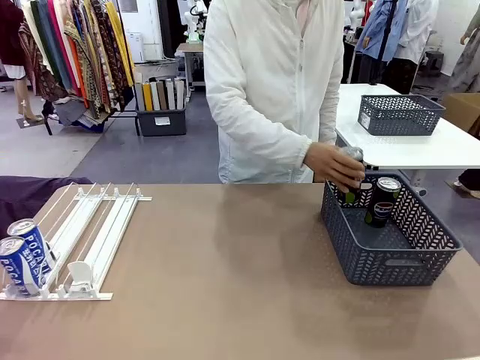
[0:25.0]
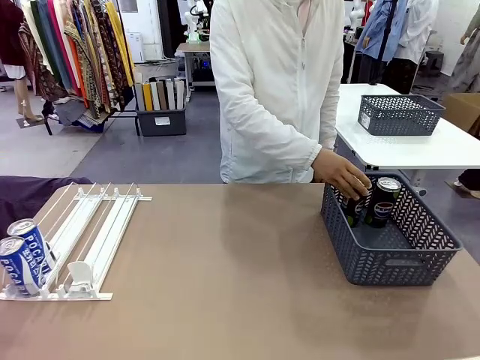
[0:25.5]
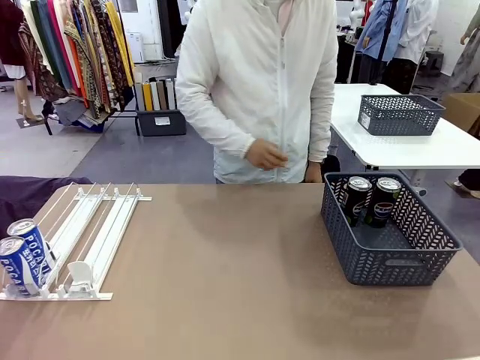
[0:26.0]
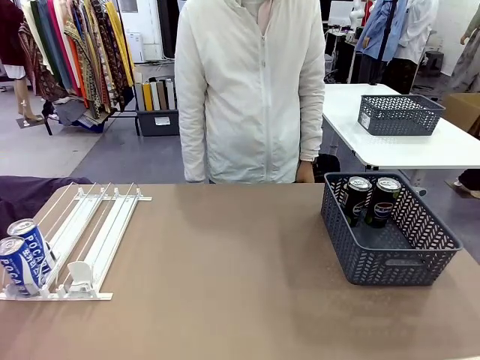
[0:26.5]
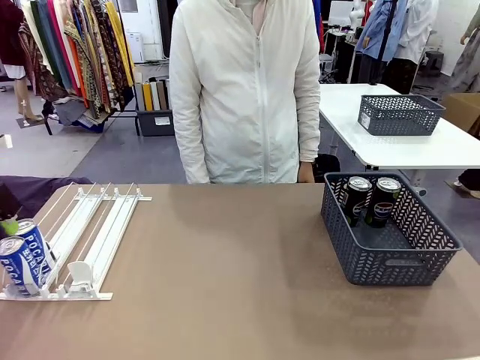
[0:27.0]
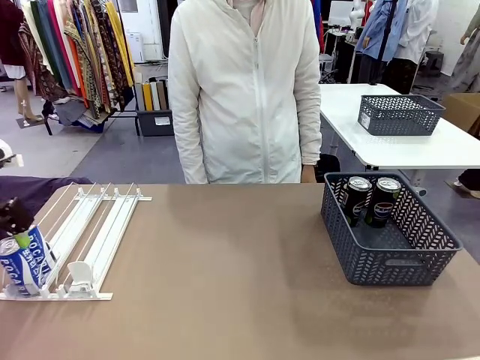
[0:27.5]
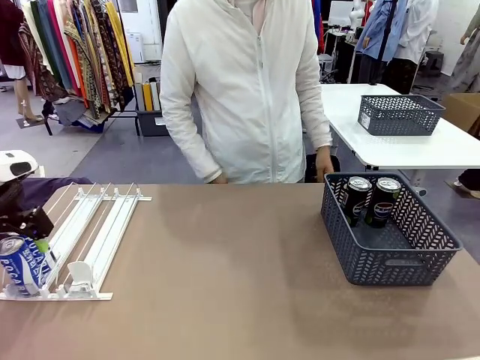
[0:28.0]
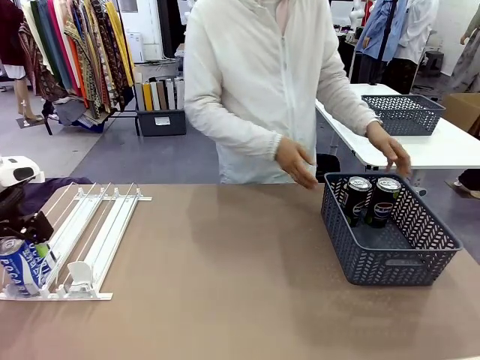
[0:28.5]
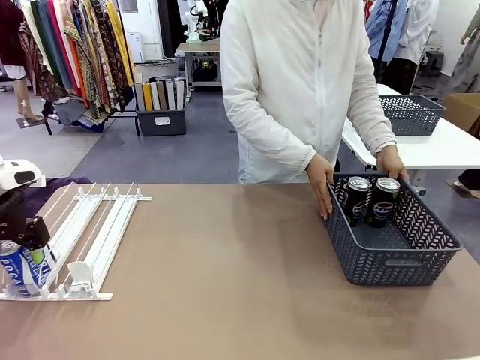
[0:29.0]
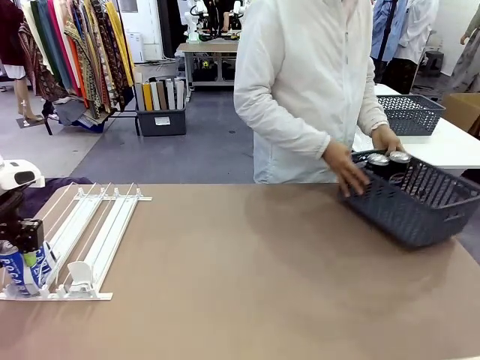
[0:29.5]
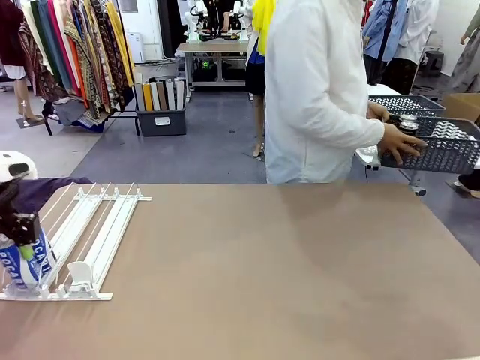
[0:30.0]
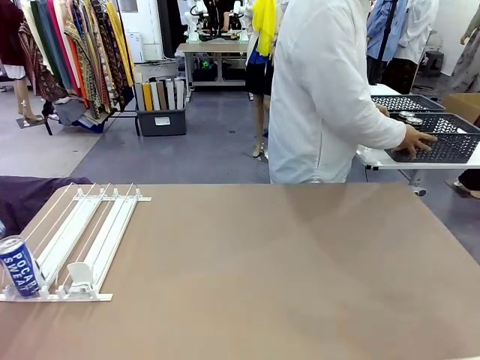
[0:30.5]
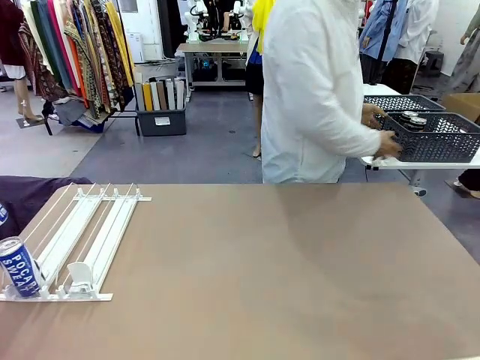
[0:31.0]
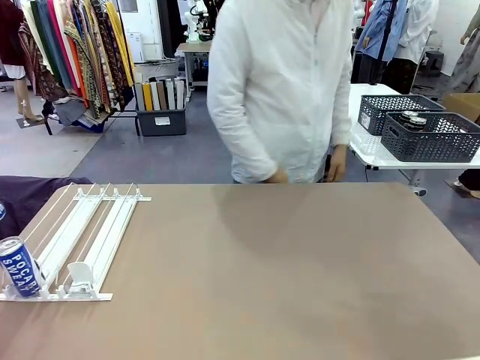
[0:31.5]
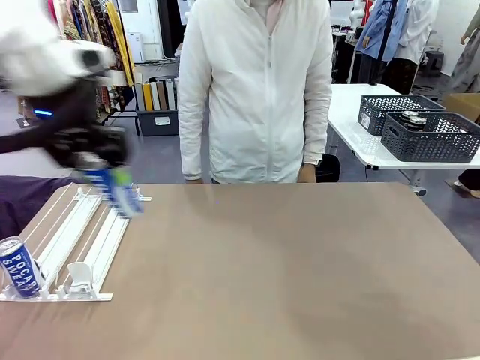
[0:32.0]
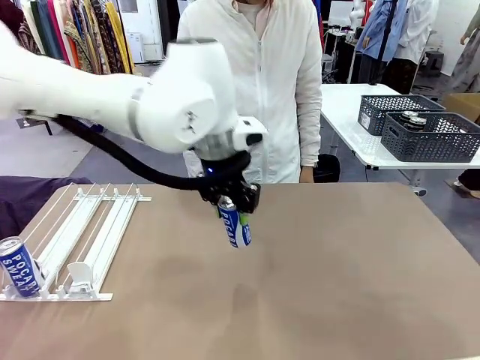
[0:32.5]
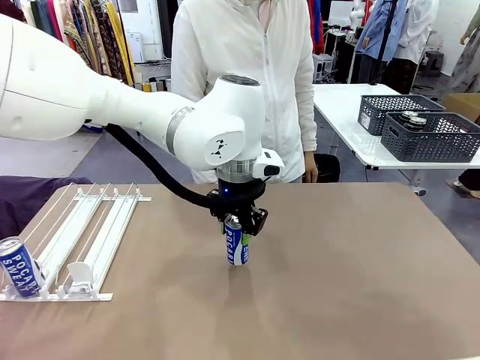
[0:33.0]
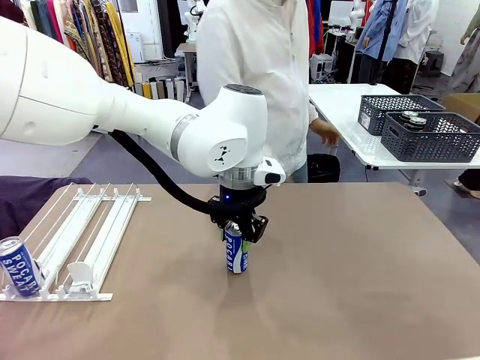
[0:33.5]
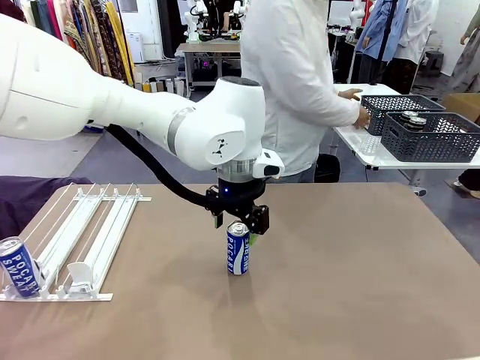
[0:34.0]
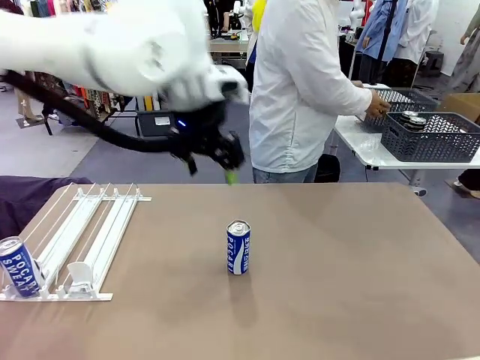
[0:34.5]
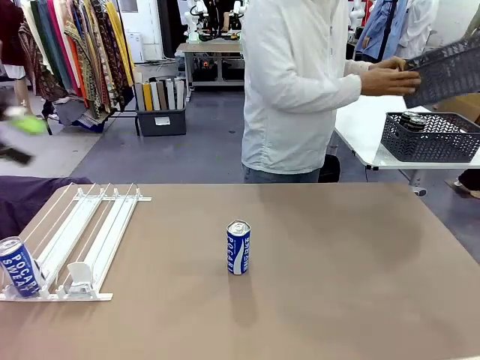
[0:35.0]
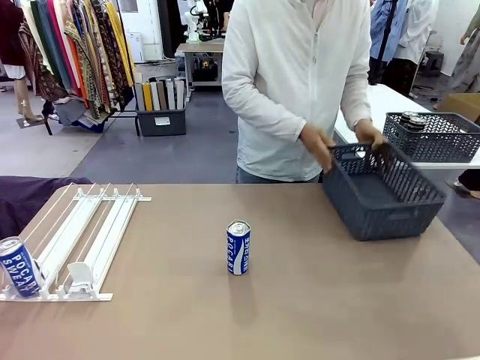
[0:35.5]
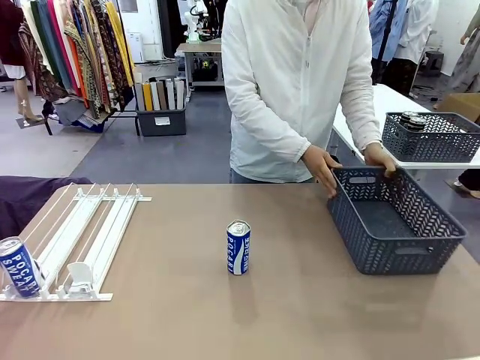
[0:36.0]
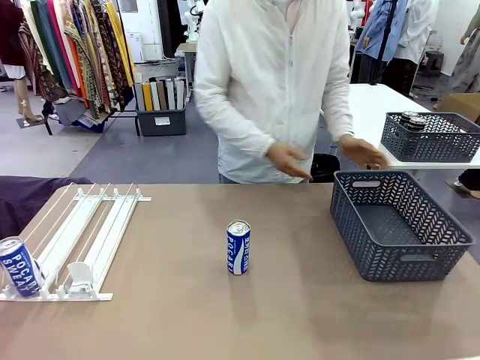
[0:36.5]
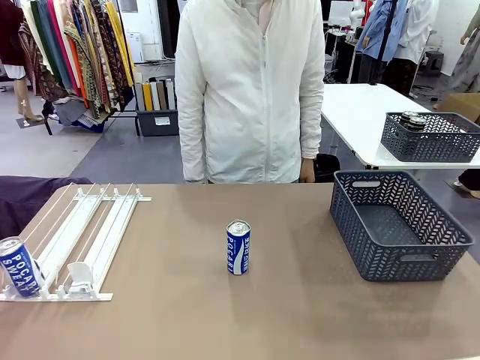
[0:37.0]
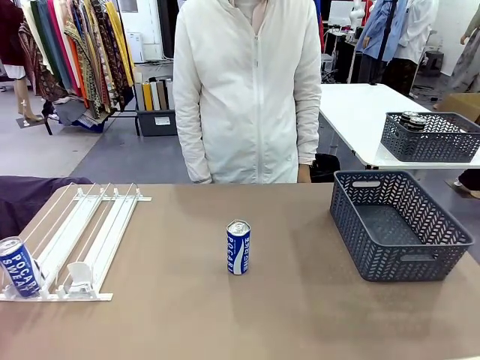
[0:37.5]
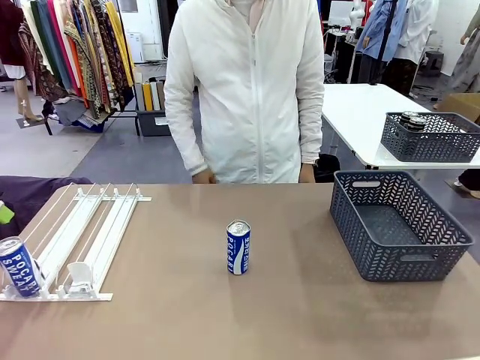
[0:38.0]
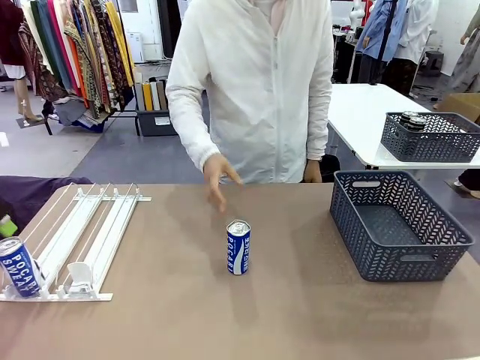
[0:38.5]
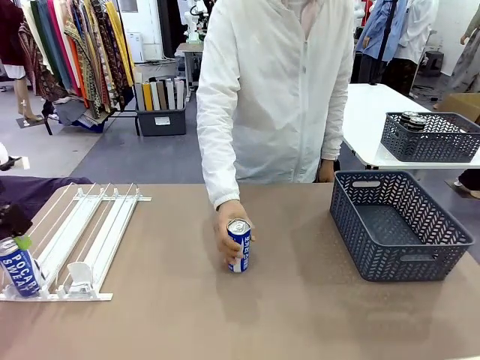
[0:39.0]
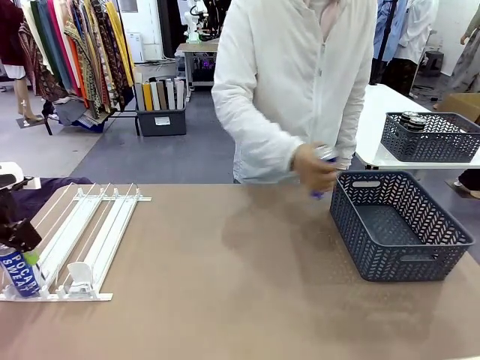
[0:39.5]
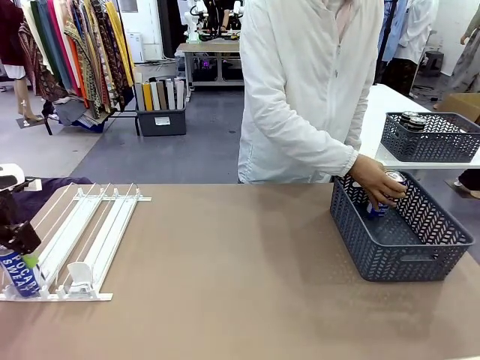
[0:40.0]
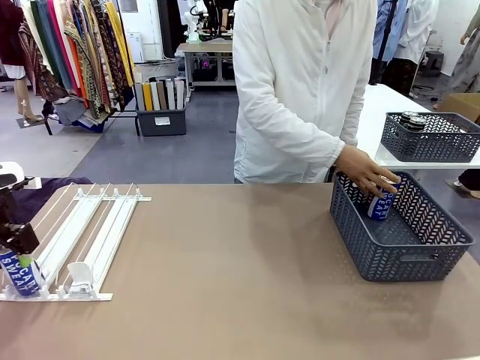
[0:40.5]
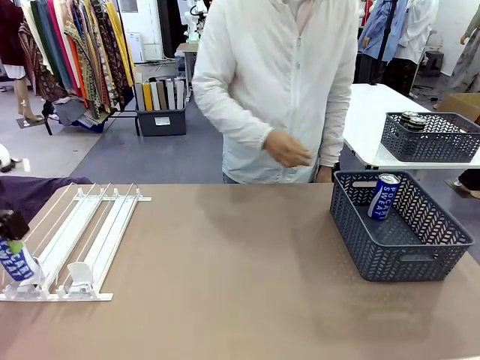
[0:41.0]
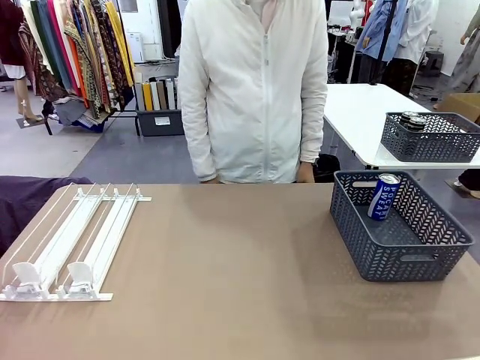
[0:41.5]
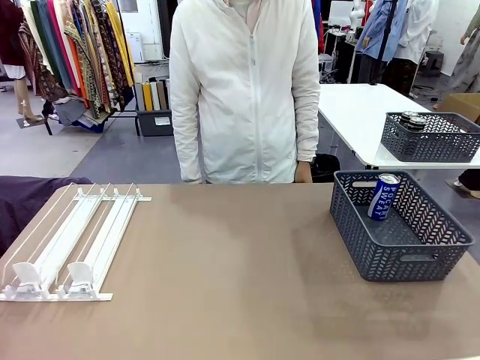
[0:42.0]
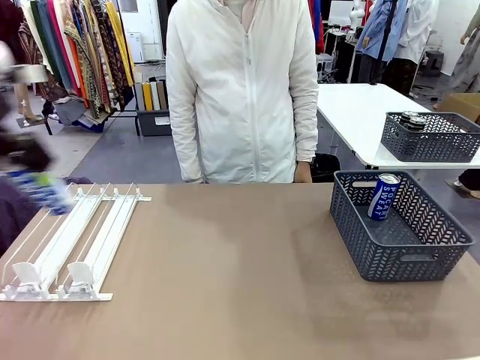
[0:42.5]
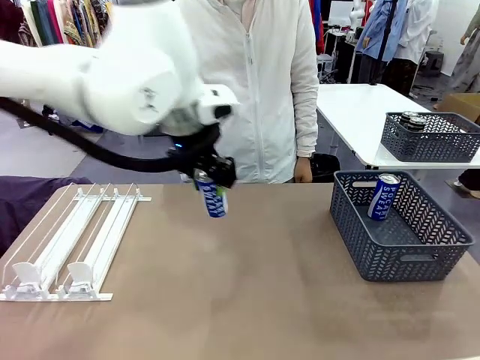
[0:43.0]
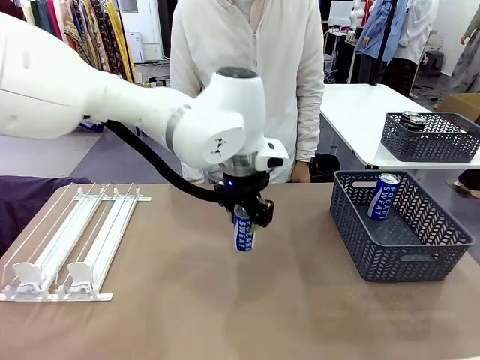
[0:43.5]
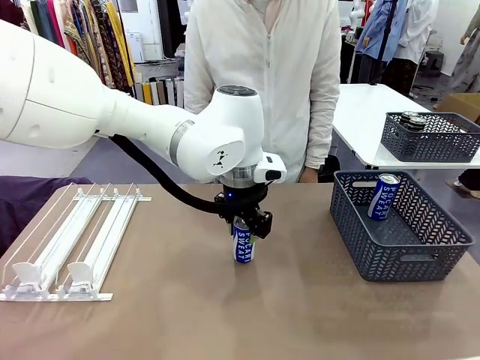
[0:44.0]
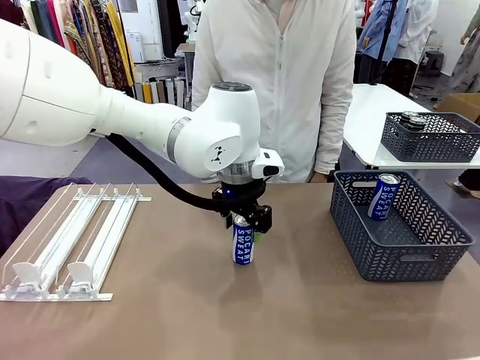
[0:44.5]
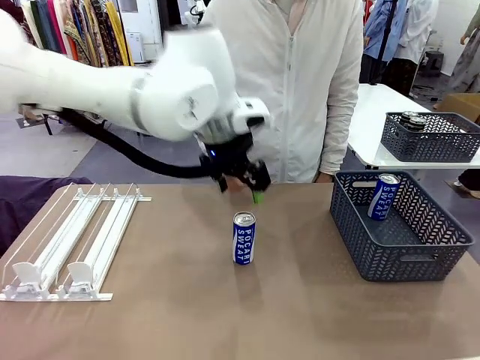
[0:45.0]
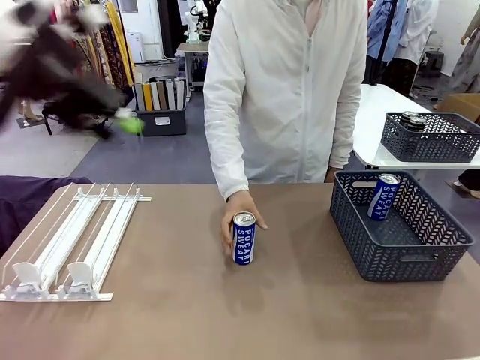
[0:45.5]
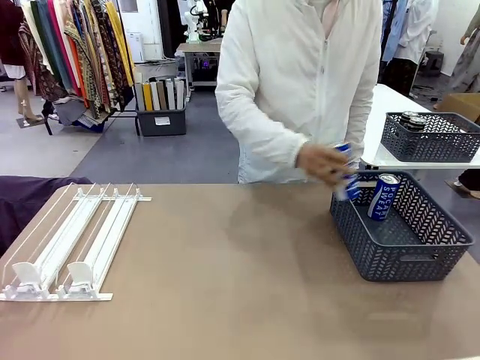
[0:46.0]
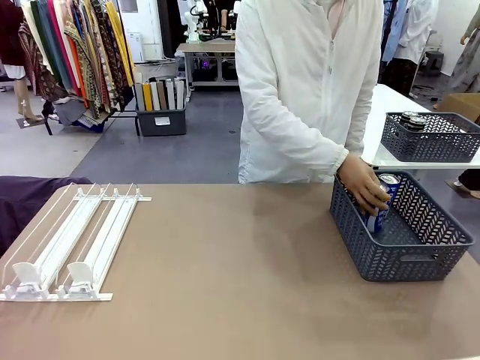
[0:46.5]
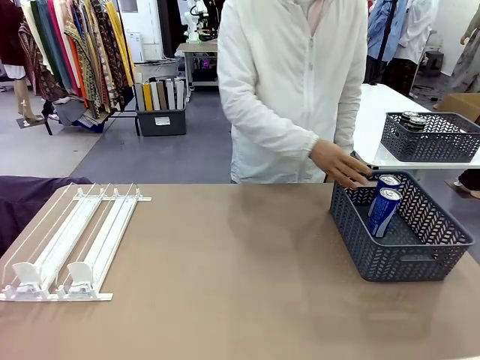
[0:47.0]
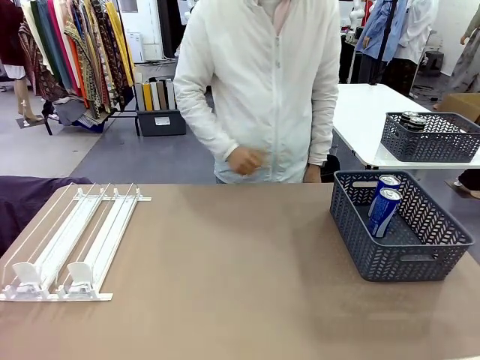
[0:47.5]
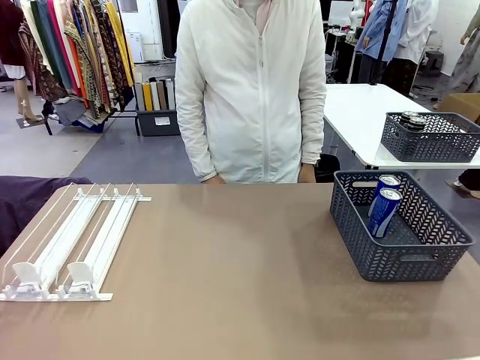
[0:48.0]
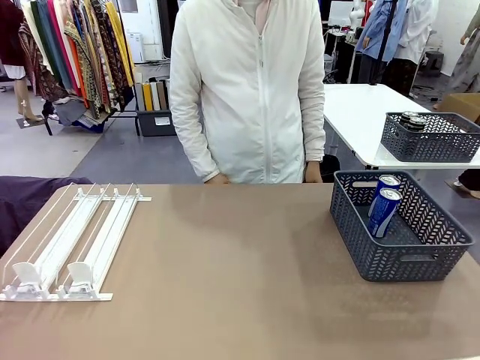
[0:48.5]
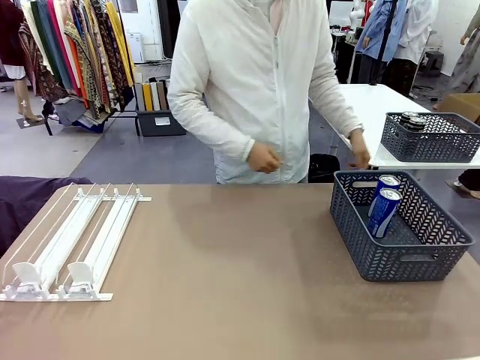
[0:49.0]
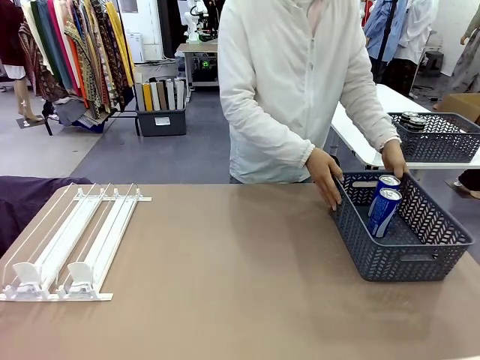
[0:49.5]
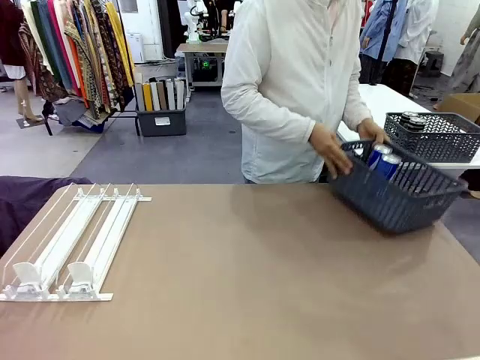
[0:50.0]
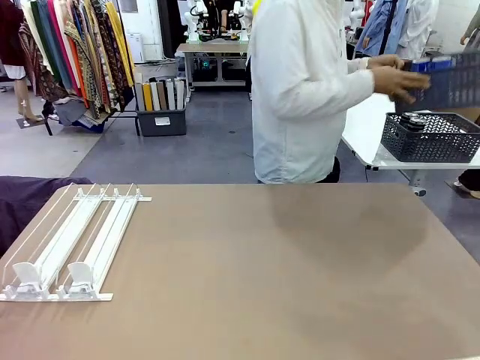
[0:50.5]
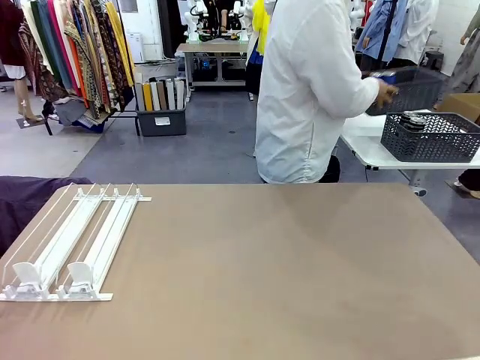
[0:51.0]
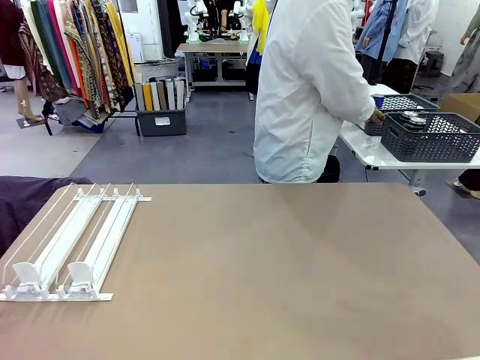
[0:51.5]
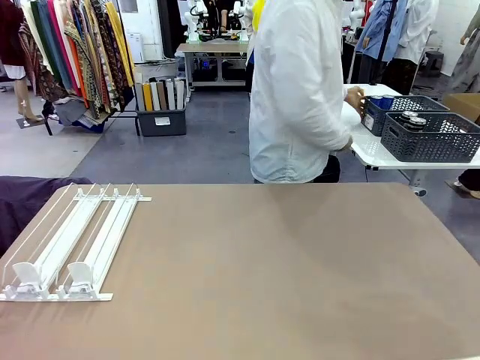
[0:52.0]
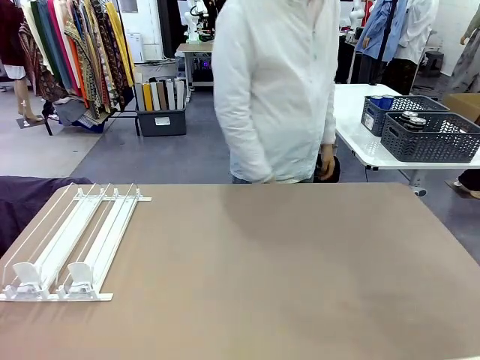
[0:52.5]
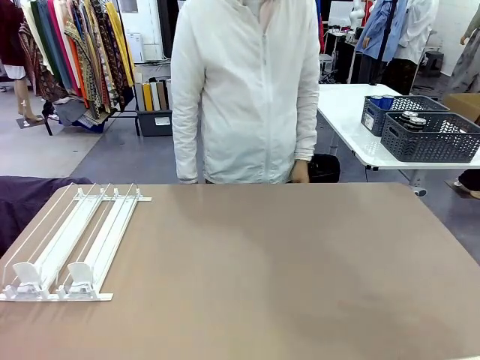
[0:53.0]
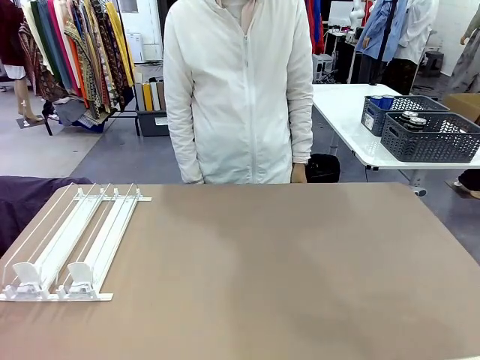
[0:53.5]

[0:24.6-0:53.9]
Task: Retrieve and store the cans from the dispenser.
Robot: Pick up one can from the Automatic Can Dispenser and place it in the middle of the table.
Person: Pick up the basket and place it in the middle of the human table. Pick up the empty basket and place it on the left side of the robot table. Pick up one sports drink can from the middle of the robot table and place it in the basket. Pick up the basket and place it in the middle of the human table.
